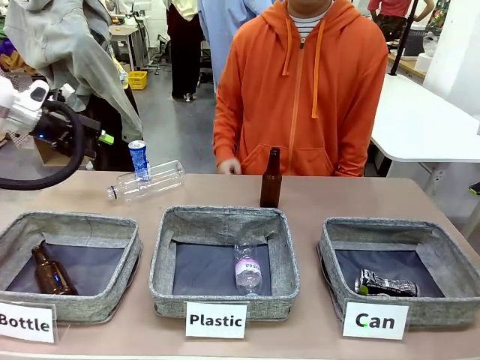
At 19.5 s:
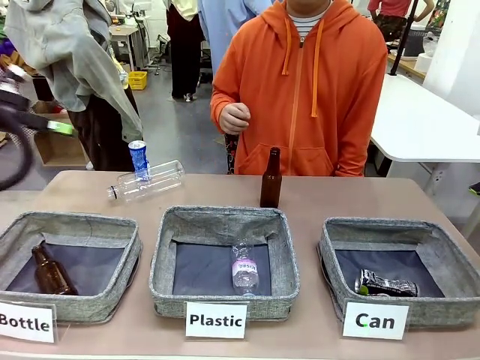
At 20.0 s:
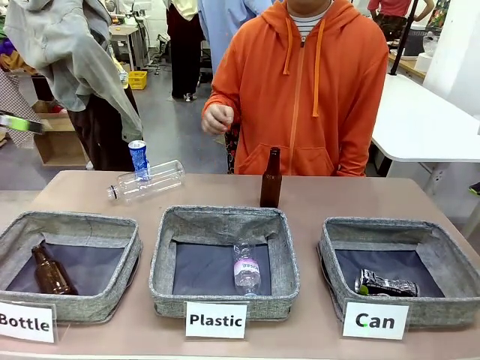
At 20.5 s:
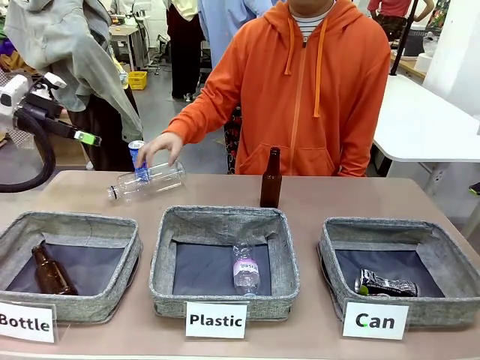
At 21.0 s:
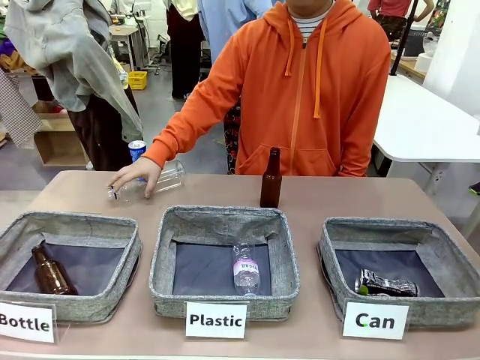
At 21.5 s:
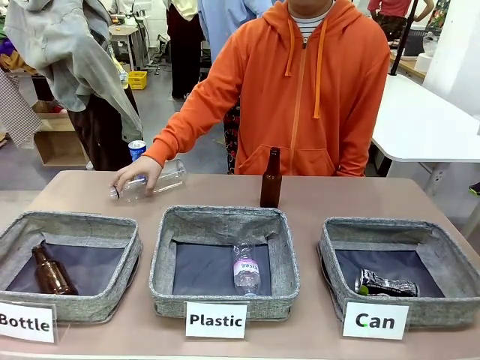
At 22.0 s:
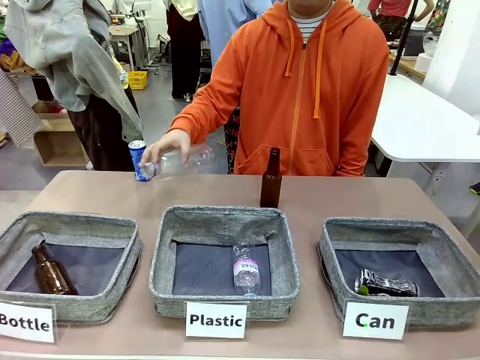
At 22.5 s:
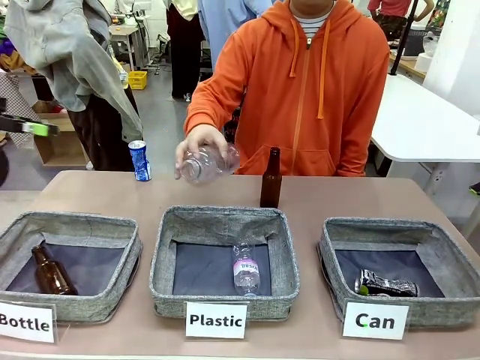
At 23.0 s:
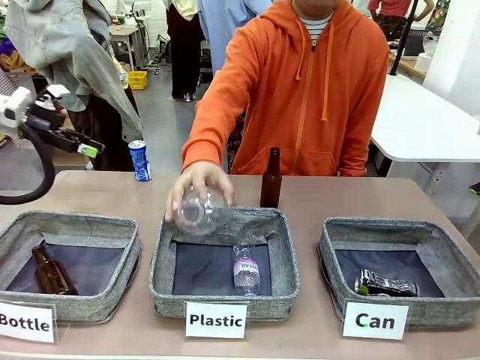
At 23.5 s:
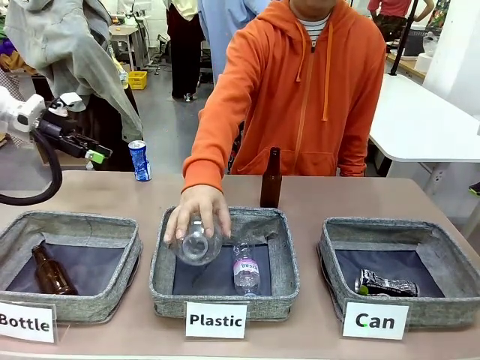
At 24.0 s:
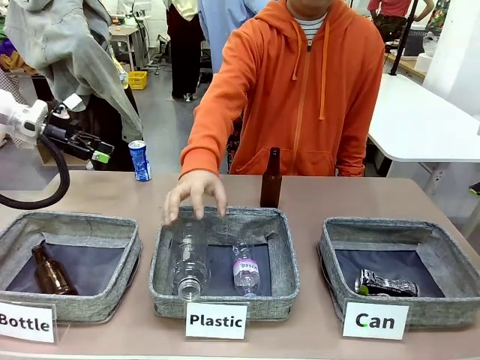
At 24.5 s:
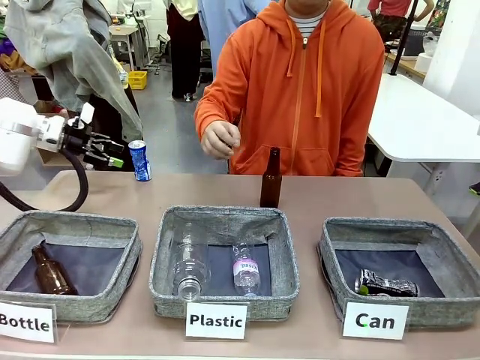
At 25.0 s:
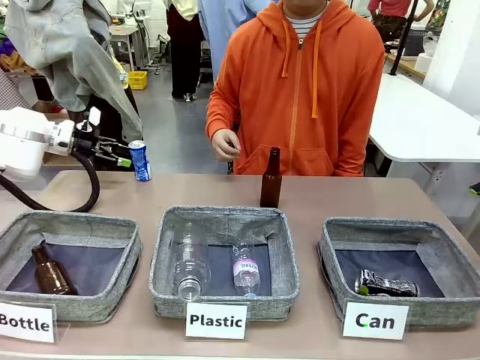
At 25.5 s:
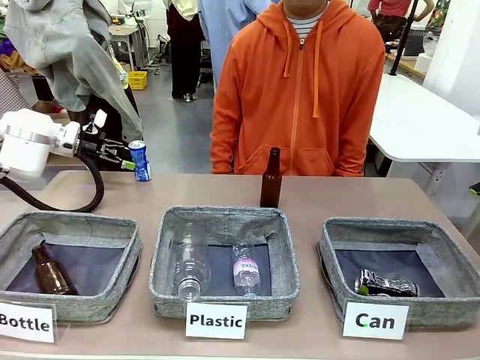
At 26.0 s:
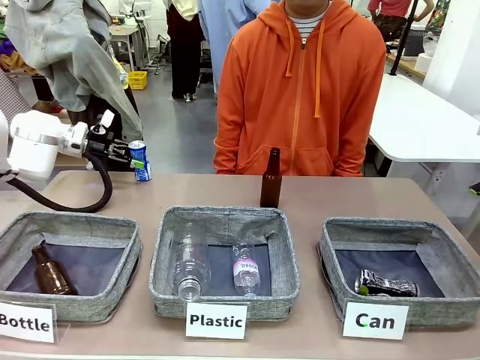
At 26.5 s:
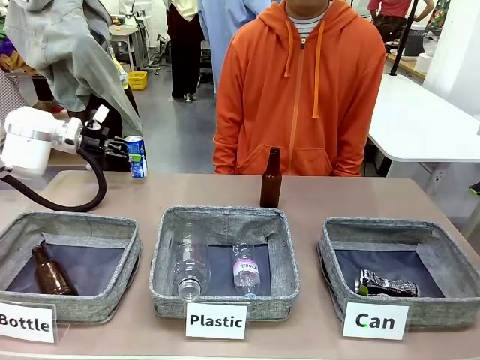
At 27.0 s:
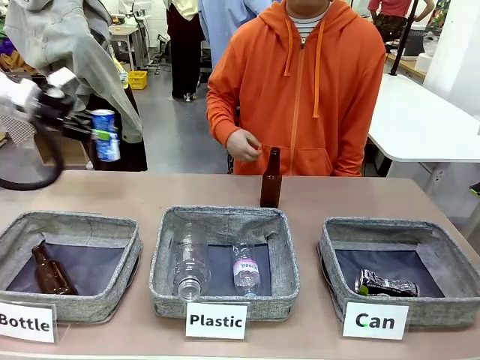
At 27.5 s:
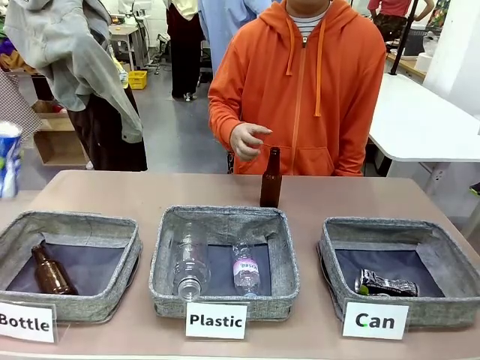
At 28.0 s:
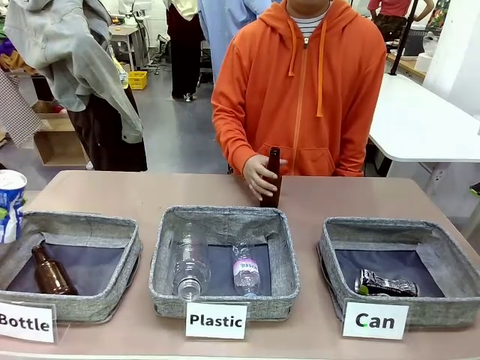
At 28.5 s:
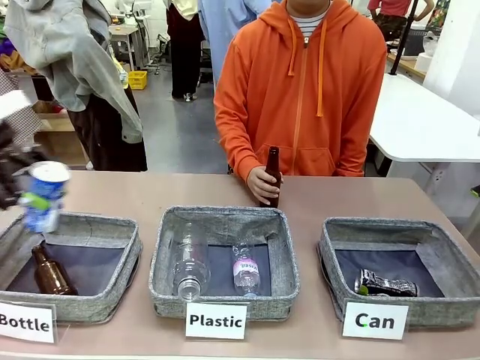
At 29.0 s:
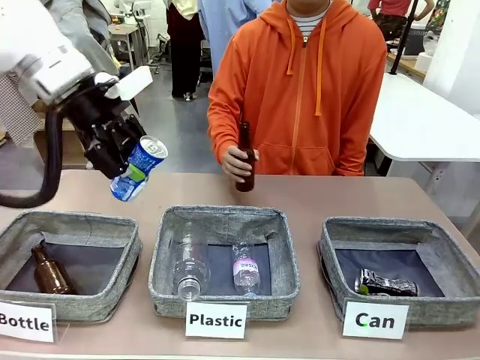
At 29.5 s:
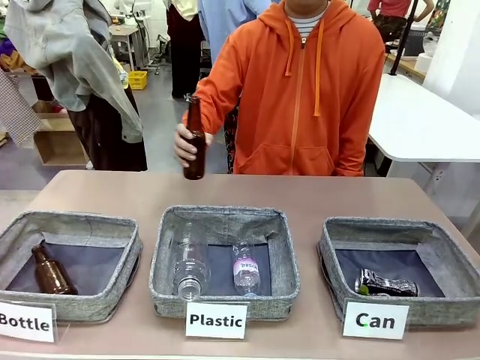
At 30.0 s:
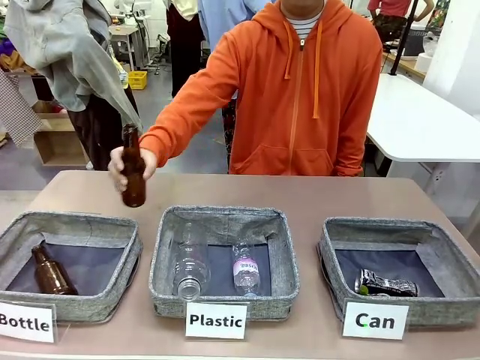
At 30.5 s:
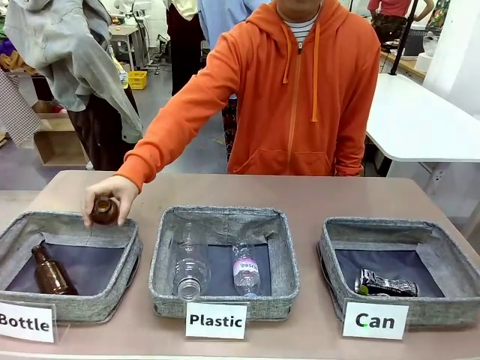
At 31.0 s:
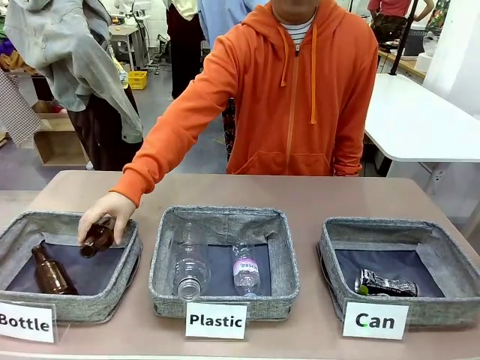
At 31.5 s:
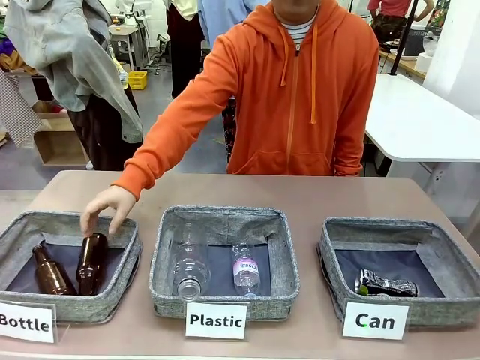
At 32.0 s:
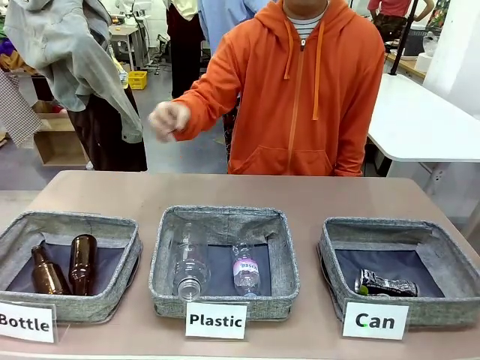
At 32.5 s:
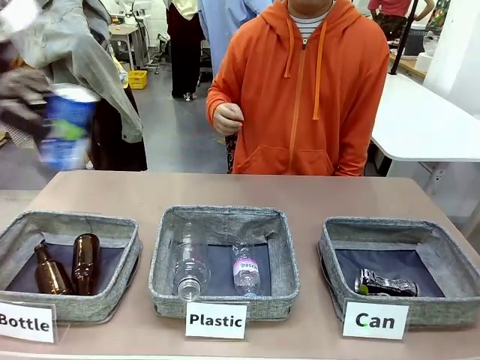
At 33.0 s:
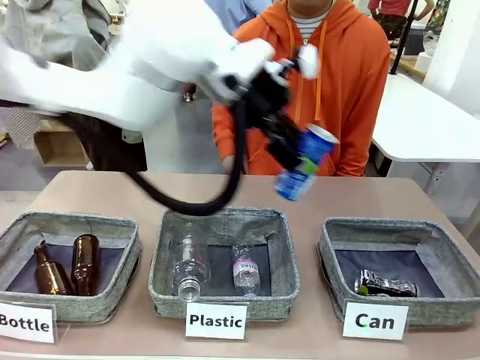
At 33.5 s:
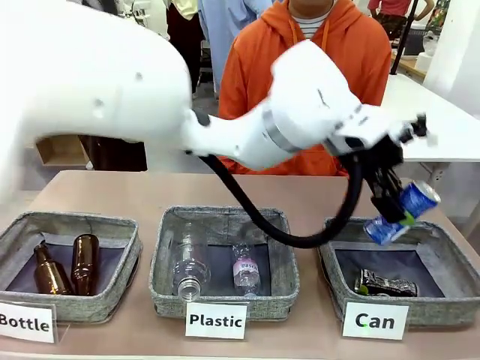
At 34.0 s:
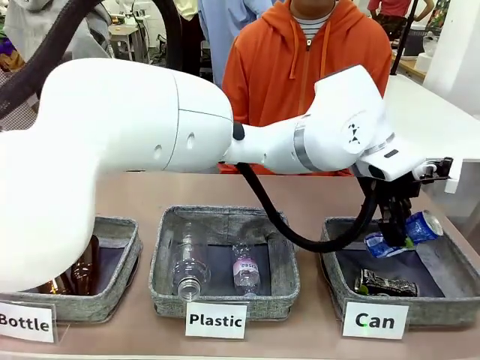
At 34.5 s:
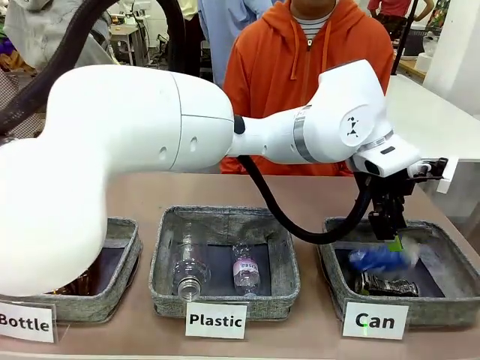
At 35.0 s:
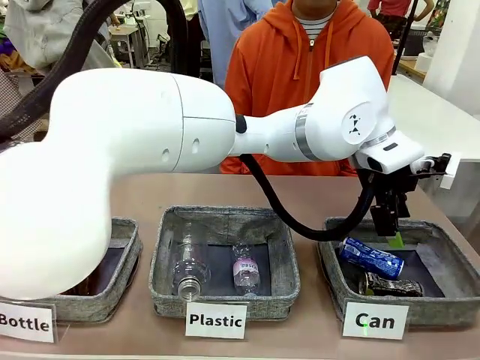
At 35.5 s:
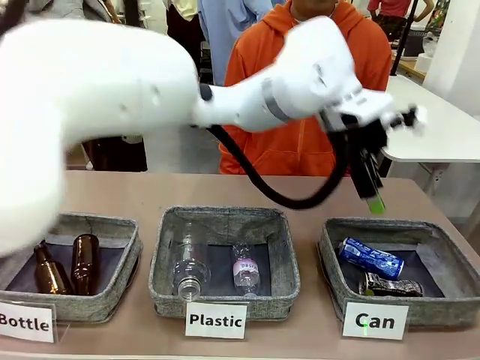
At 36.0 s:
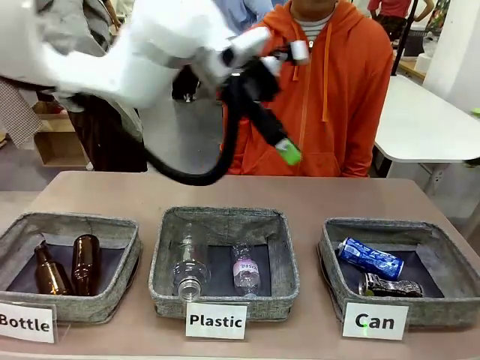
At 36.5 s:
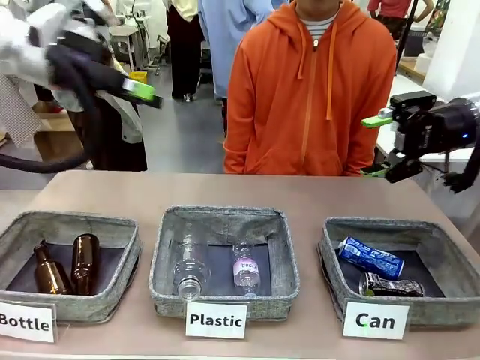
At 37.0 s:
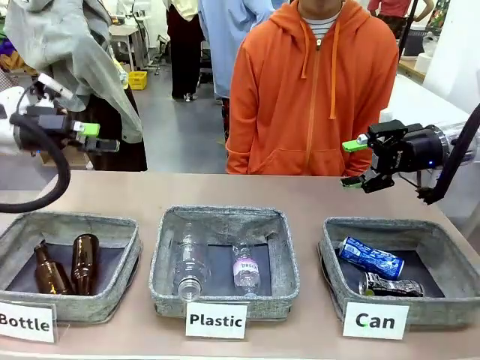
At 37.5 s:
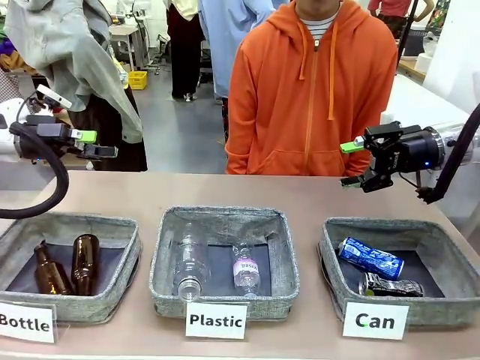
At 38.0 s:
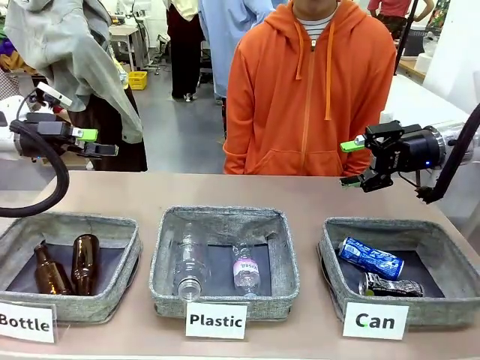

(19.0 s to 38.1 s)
Task: Sort the can waste into the basket.
Robot: Pick up the can waste from the table and place it in the right Fabric basket.
Person: The human picks up one piece of trash that is not a can and places the trash into the appropriate organizing basket.

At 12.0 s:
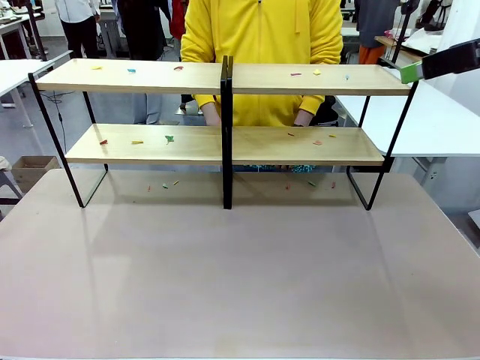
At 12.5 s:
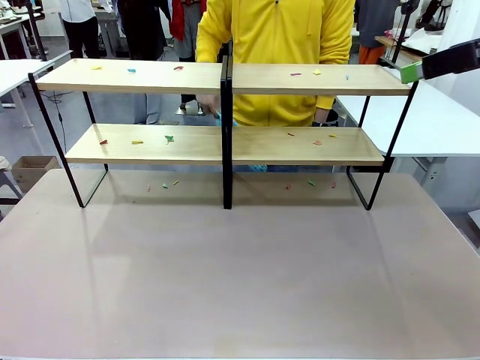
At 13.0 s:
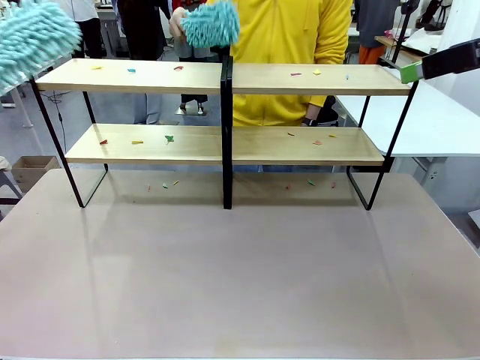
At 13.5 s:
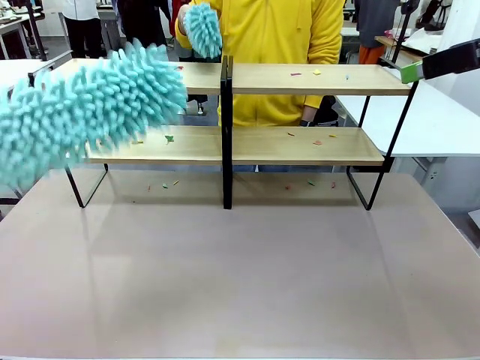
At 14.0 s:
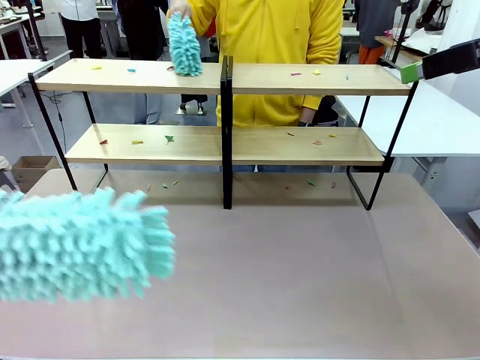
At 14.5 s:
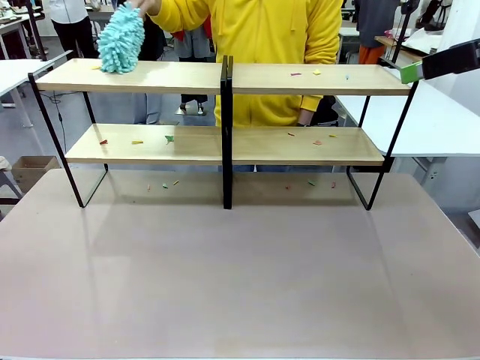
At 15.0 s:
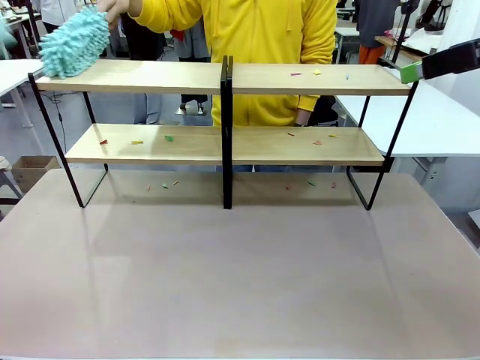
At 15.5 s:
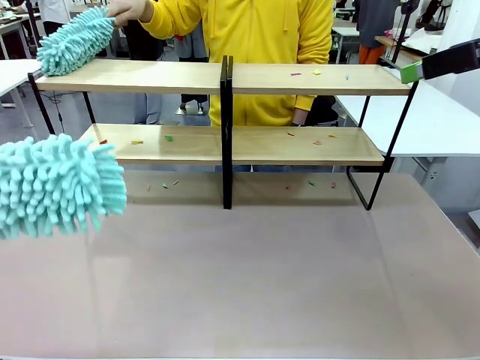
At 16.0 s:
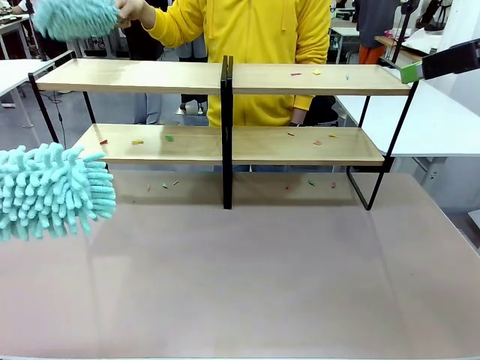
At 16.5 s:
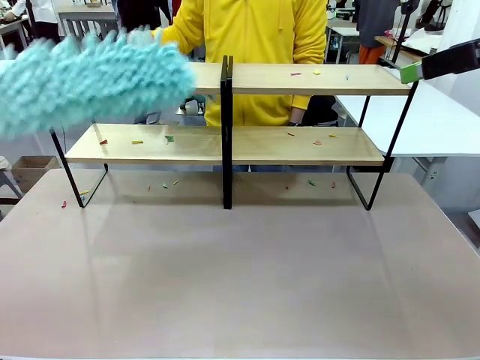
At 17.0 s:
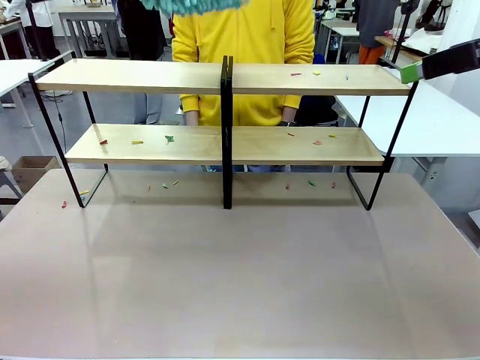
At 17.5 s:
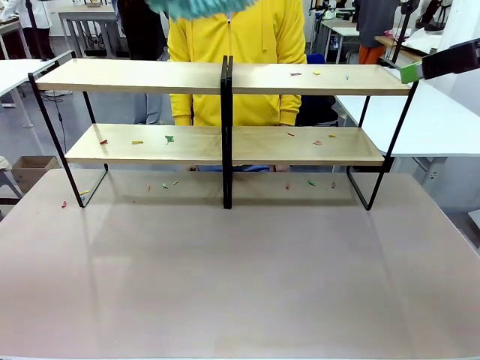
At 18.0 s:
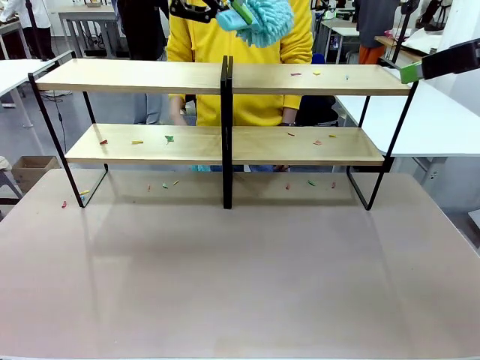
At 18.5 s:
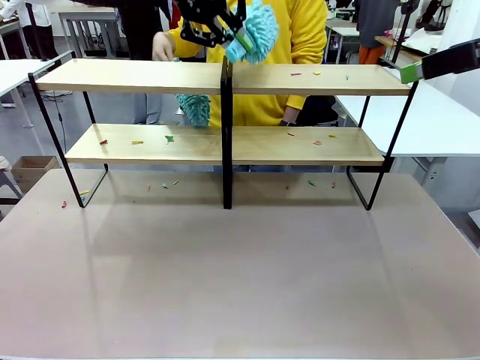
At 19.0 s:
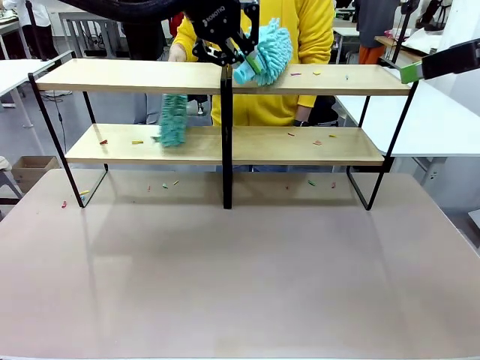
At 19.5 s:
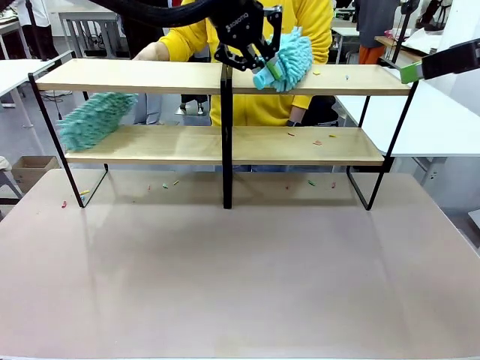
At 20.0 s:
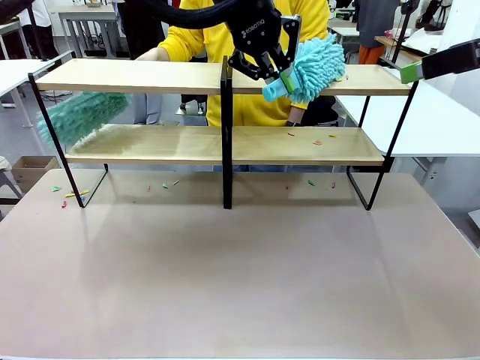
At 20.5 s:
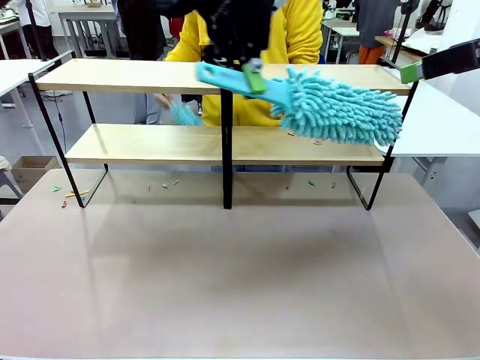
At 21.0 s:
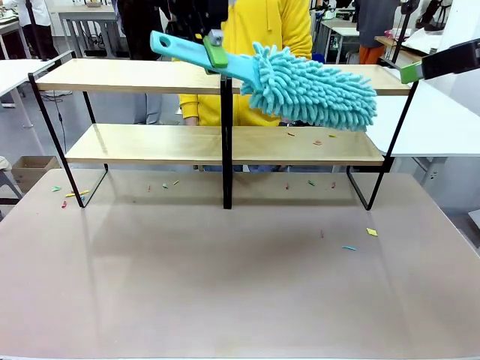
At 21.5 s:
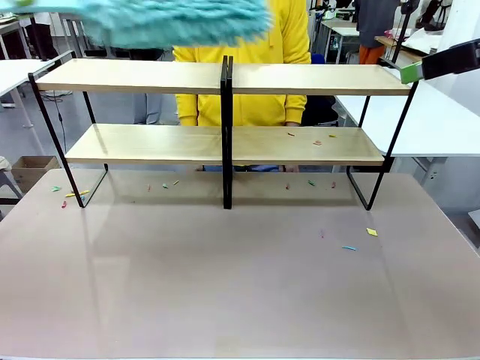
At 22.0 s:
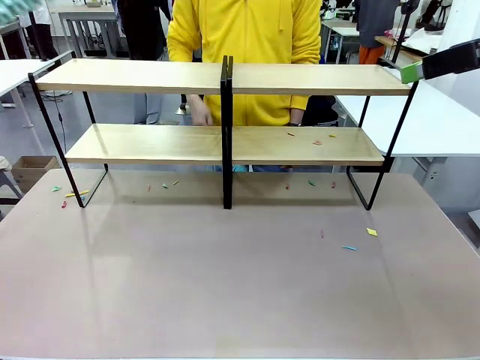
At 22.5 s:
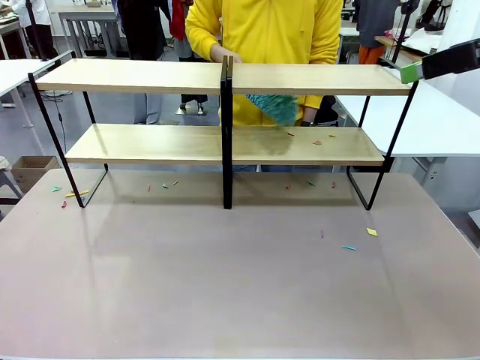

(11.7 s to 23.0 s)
Task: Clean the shelves.
Robot: Clean a randomly selected level of the Shelf with the Duster.
